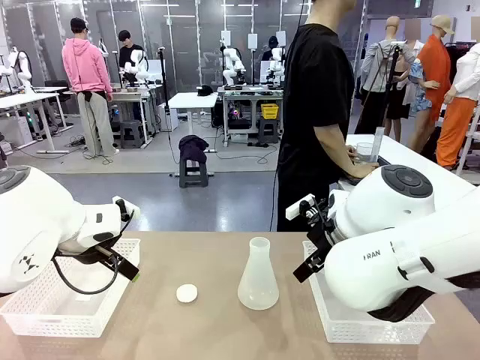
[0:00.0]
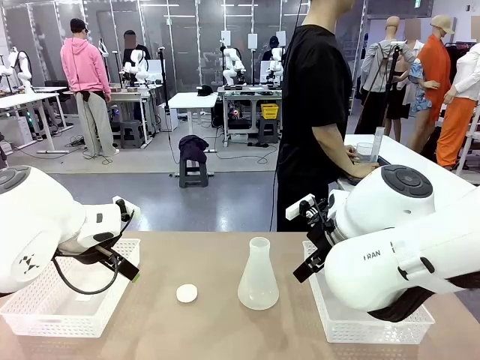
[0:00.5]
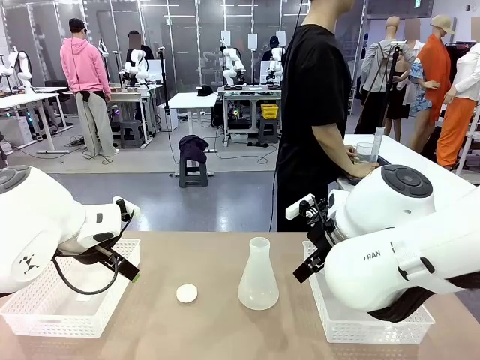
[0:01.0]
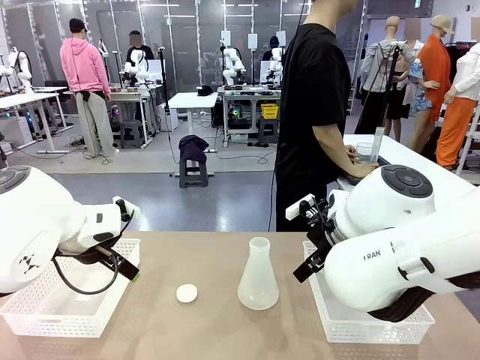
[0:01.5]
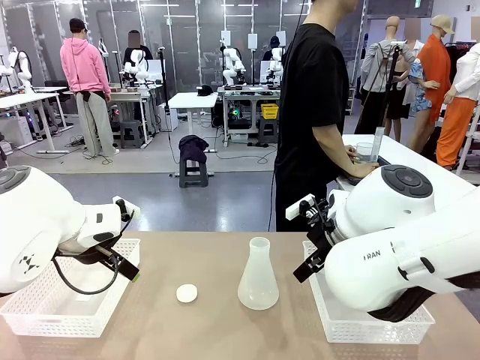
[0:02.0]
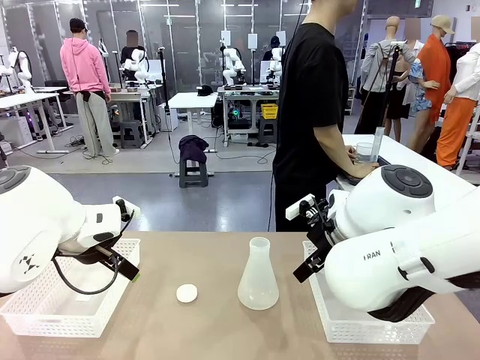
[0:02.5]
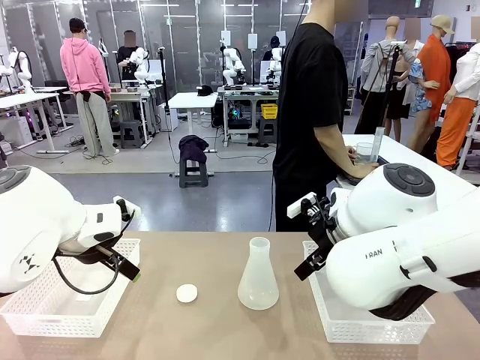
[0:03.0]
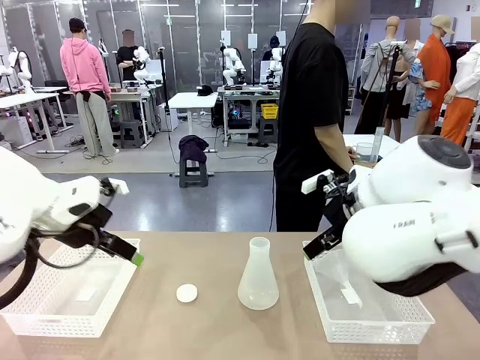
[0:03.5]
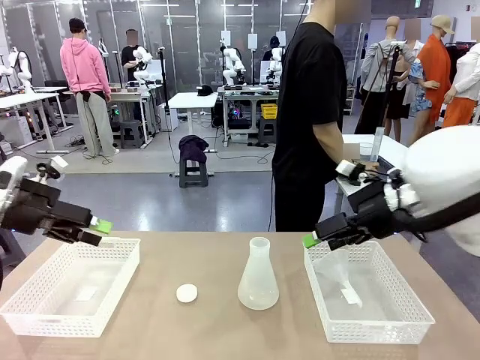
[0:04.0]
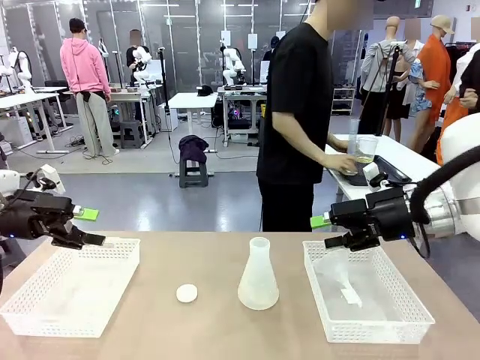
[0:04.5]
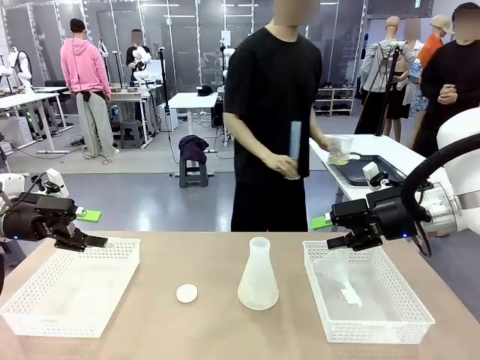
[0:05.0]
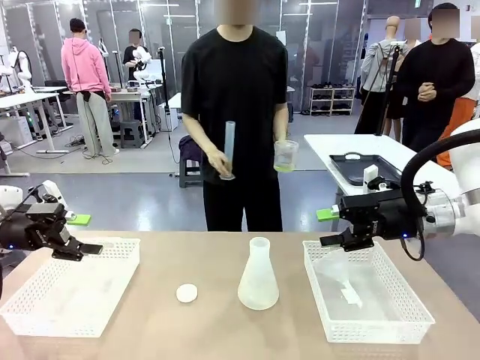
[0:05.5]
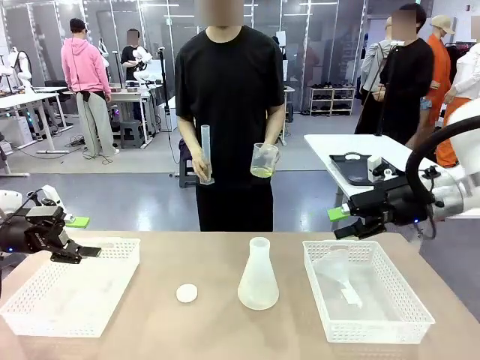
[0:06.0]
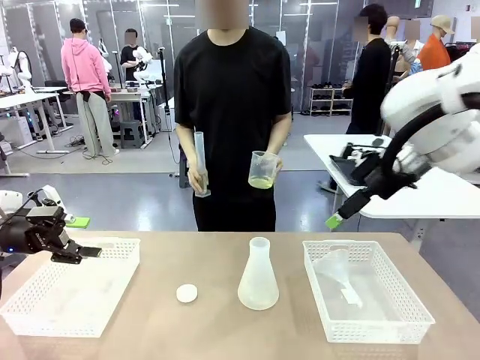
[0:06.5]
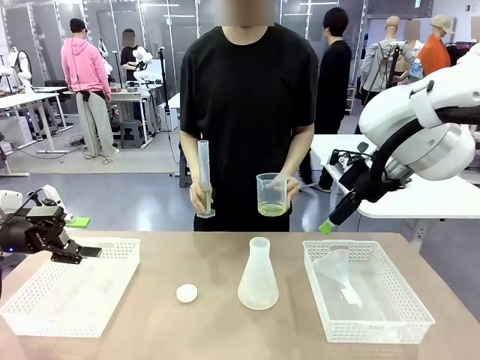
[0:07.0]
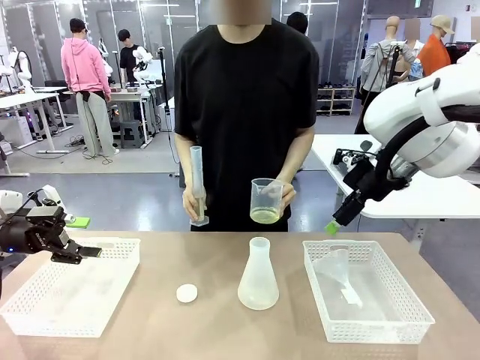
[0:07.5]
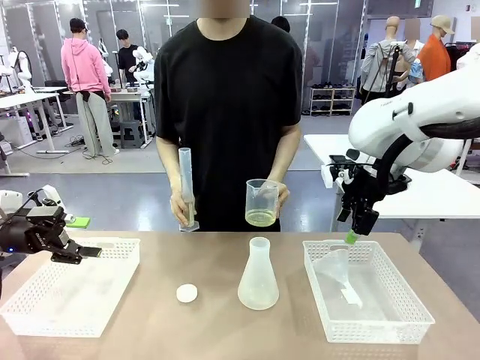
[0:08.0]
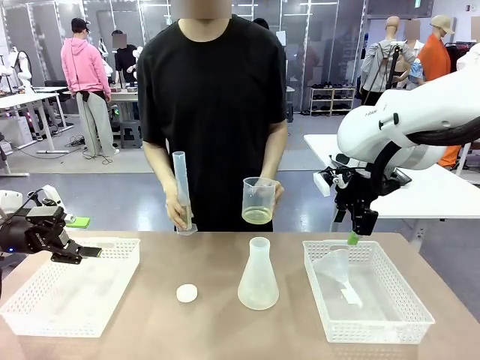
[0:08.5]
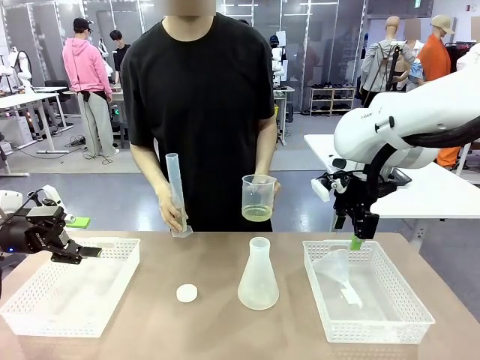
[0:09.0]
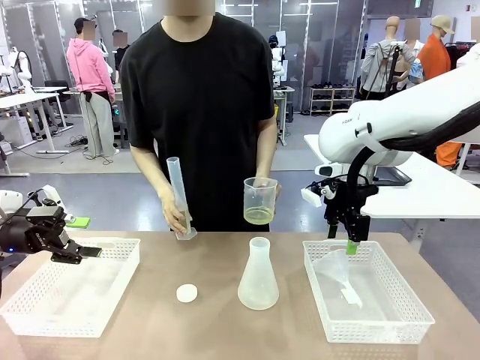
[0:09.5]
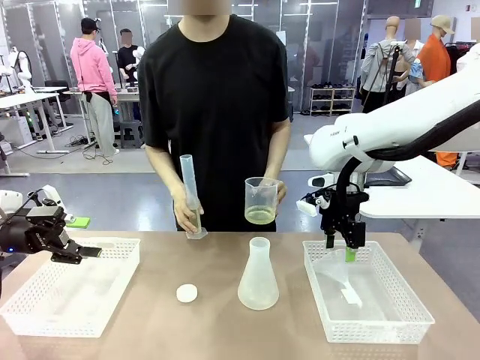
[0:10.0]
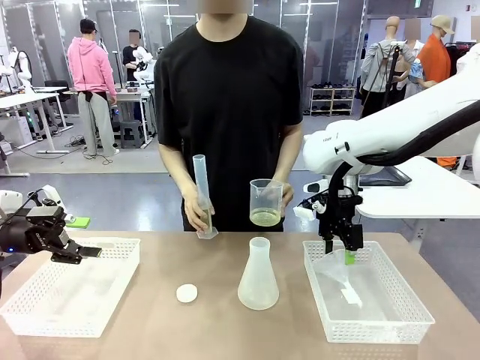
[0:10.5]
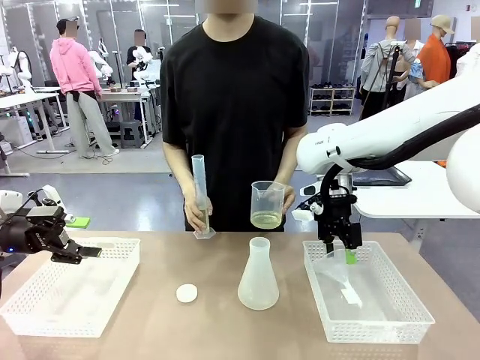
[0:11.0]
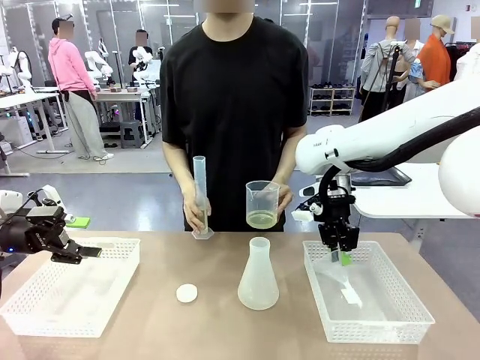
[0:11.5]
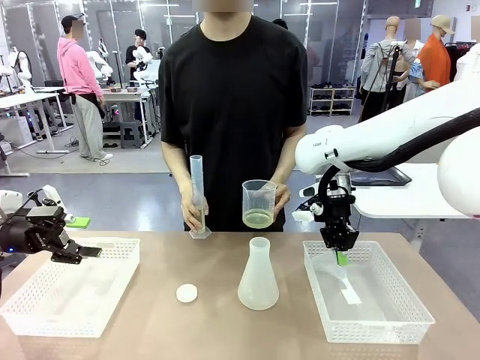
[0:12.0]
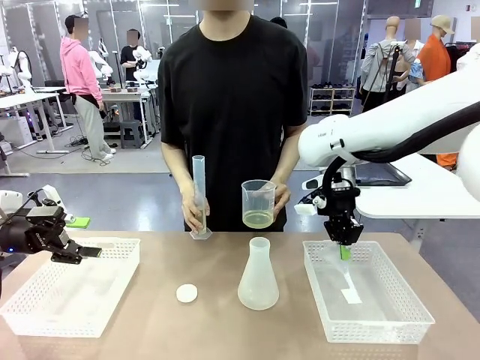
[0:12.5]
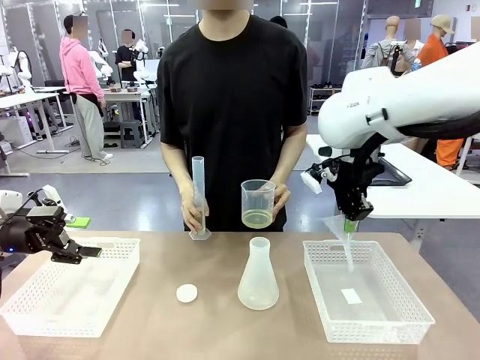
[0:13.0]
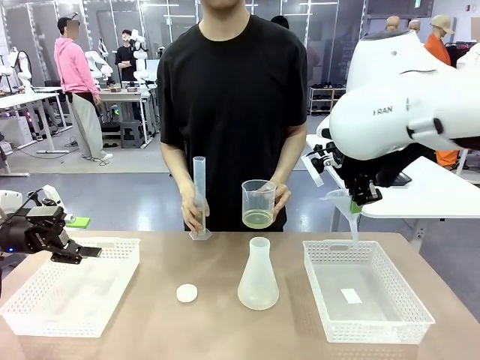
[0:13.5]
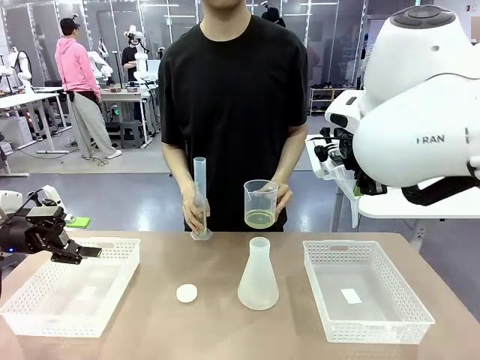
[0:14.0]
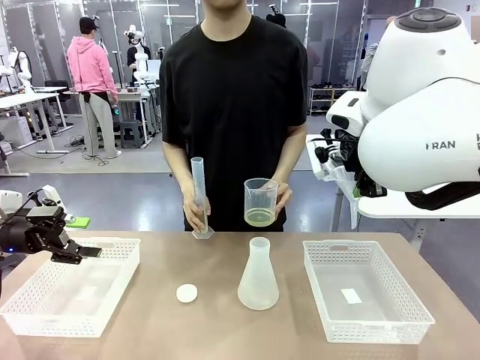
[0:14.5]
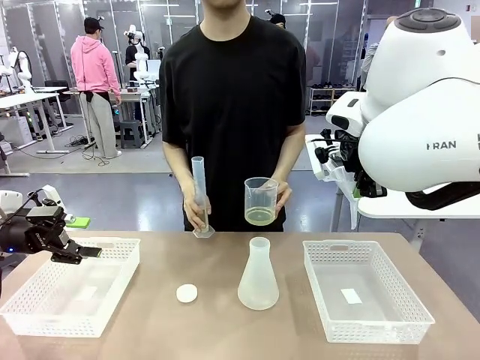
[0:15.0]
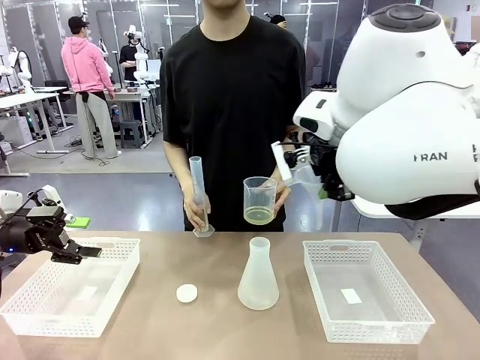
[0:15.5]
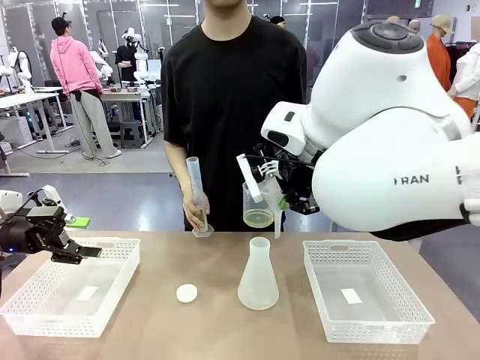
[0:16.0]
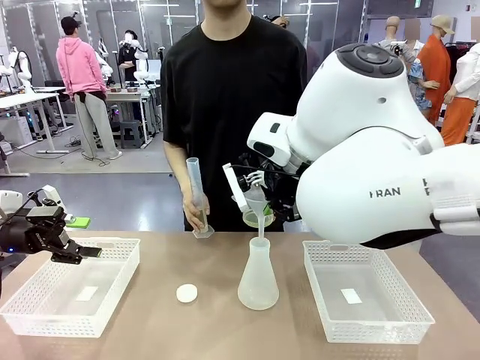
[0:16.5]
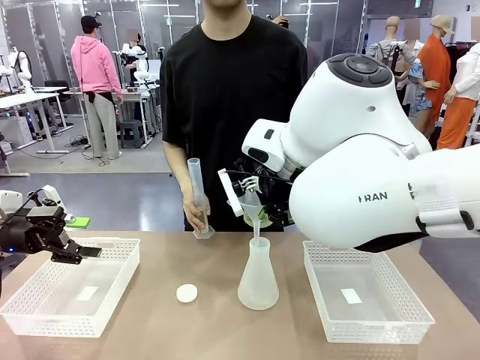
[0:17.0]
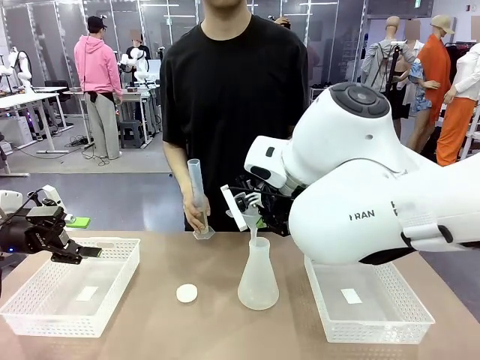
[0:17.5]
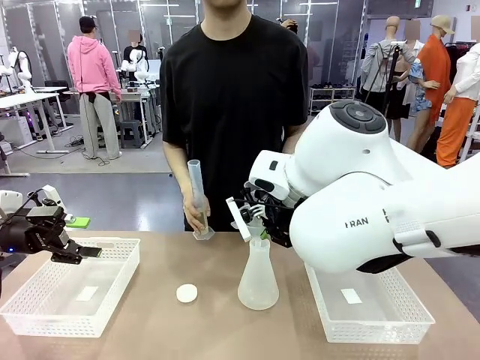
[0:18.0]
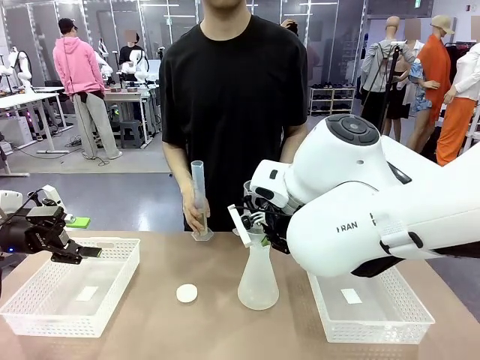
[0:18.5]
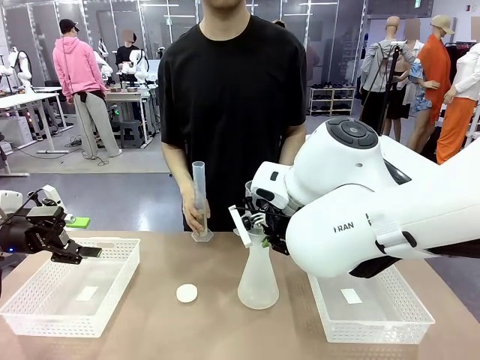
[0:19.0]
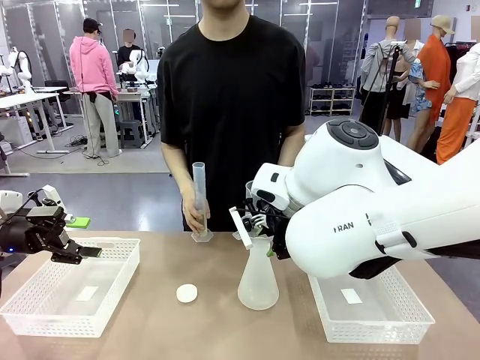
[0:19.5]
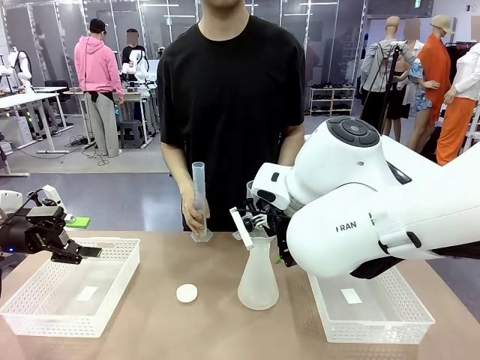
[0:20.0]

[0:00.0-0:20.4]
Task: Prepare the solutions needed for the experiment.
Robot: Pick up the Plastic Funnel and insert it into the Big flask.
Person: Pick up the beaker and the cylinder and move to the middle of the robot table. Pour the solution from the beaker and the cylinder into the flask.
